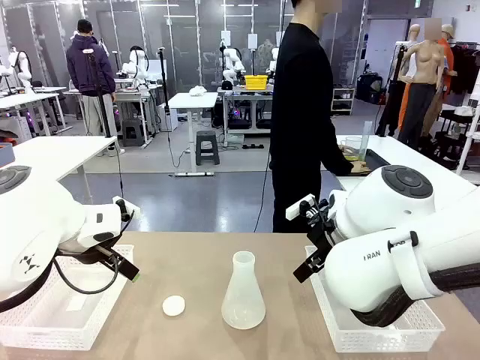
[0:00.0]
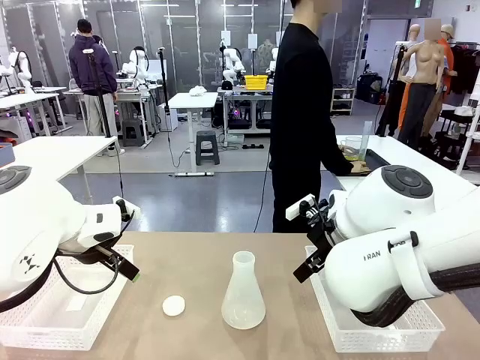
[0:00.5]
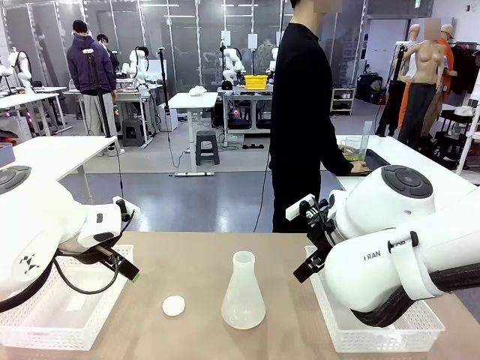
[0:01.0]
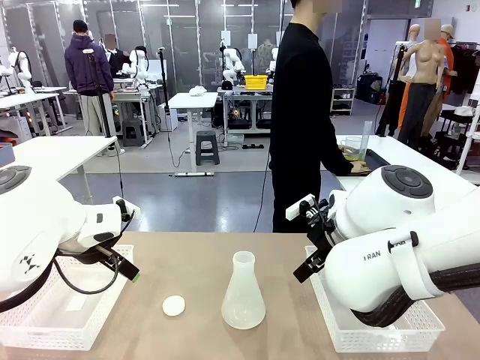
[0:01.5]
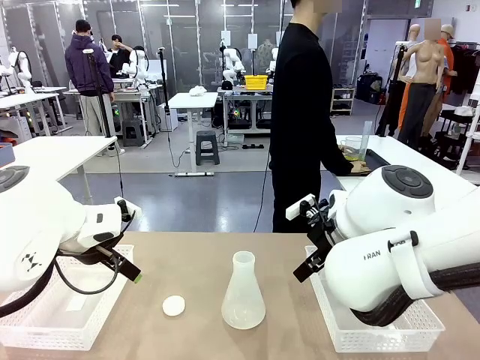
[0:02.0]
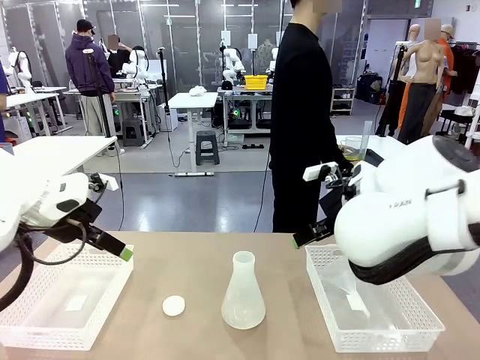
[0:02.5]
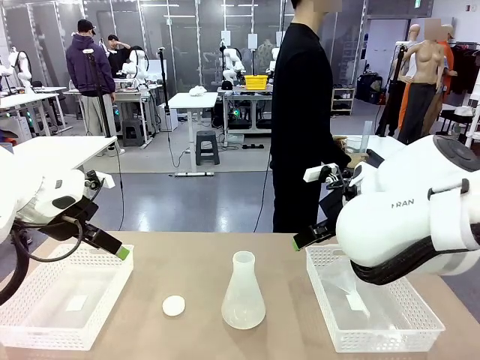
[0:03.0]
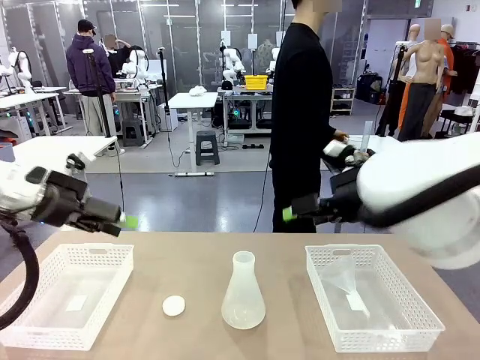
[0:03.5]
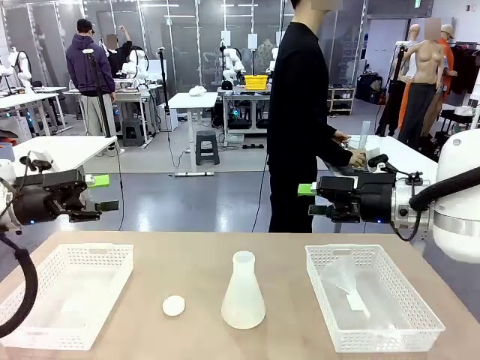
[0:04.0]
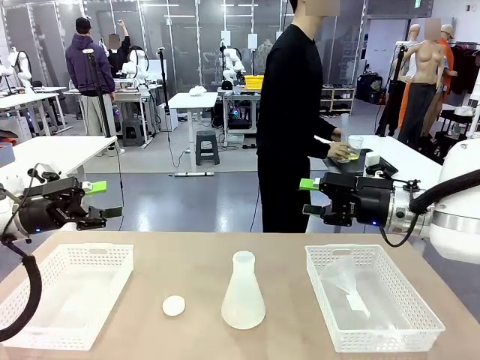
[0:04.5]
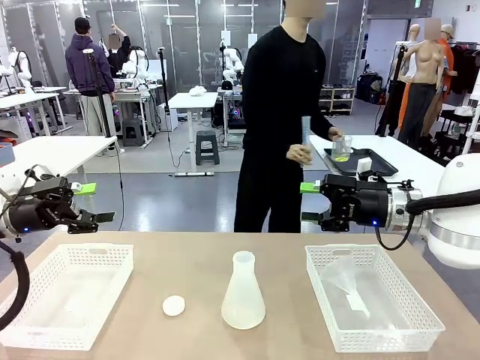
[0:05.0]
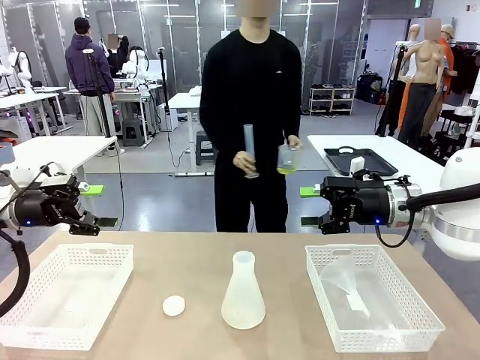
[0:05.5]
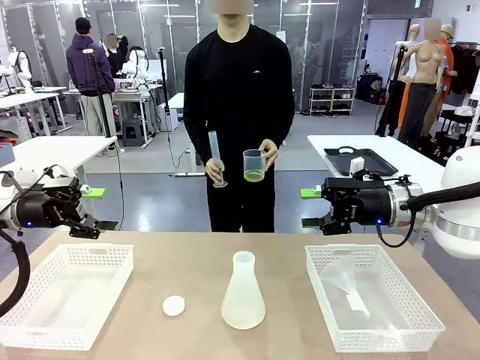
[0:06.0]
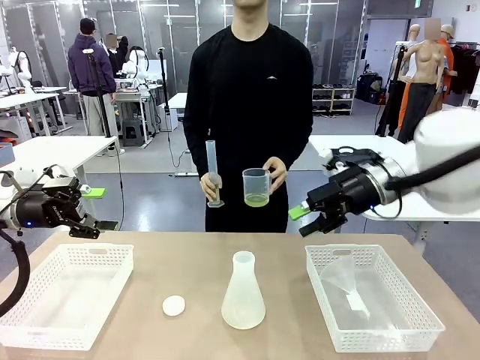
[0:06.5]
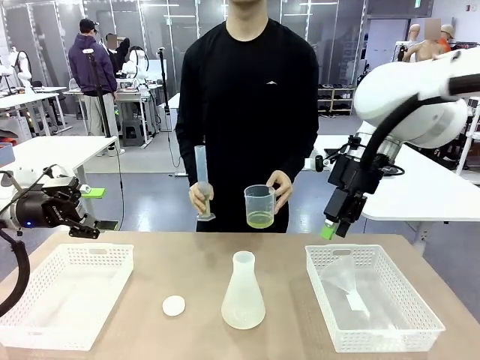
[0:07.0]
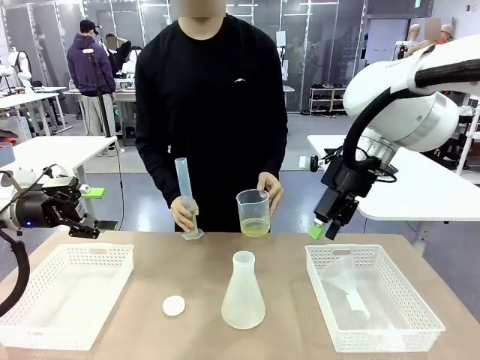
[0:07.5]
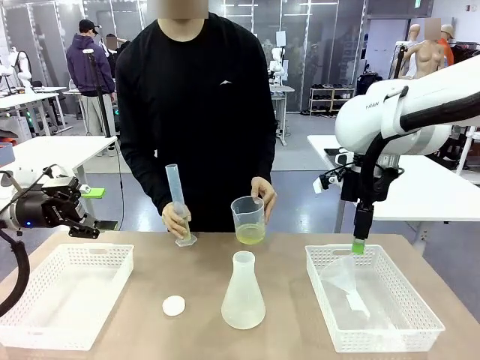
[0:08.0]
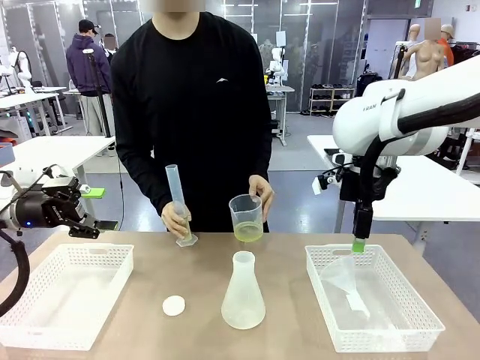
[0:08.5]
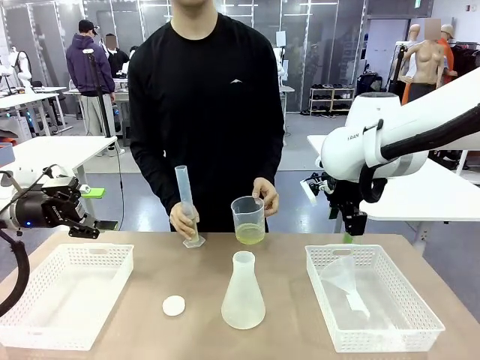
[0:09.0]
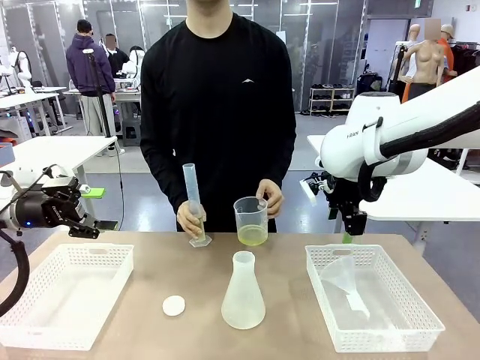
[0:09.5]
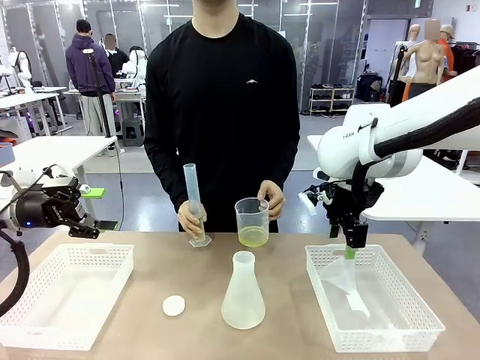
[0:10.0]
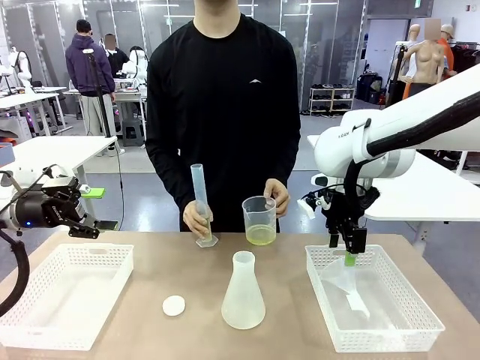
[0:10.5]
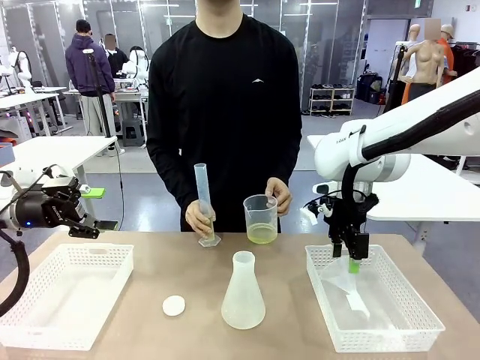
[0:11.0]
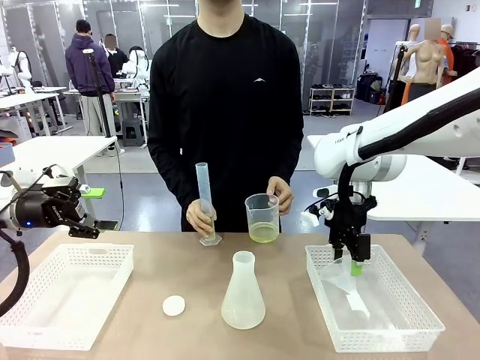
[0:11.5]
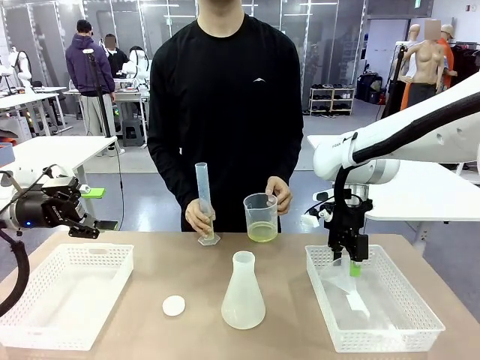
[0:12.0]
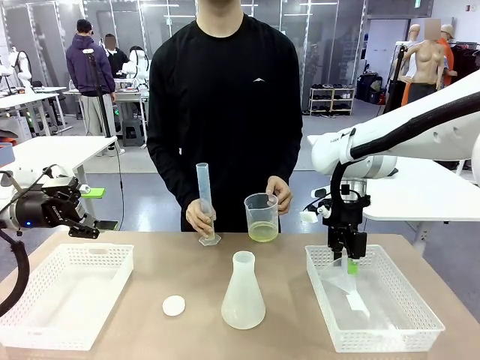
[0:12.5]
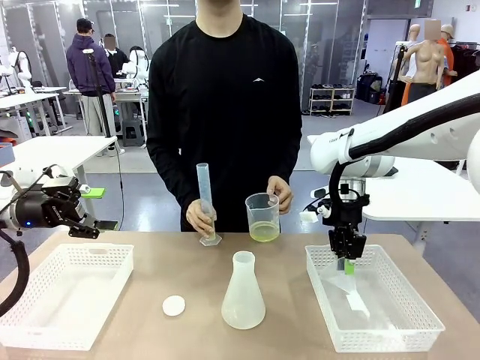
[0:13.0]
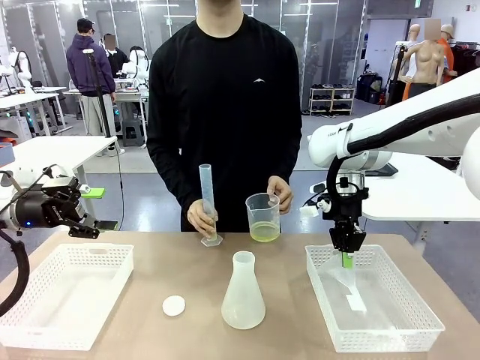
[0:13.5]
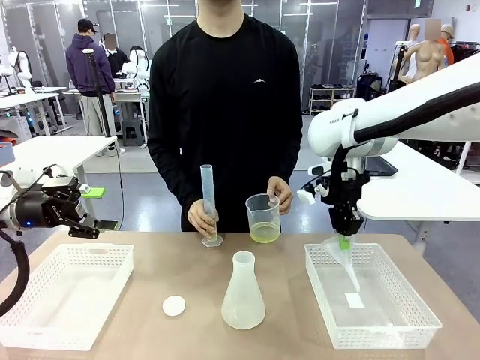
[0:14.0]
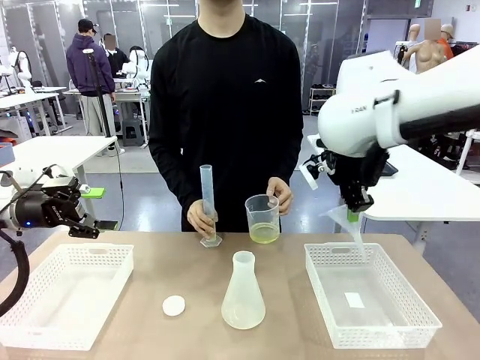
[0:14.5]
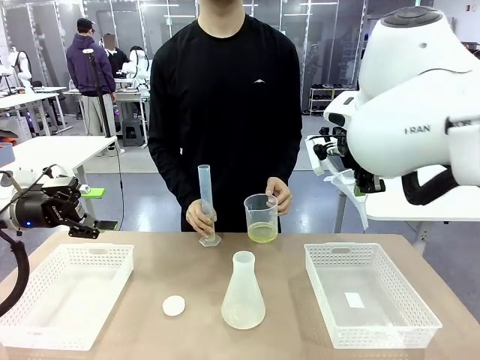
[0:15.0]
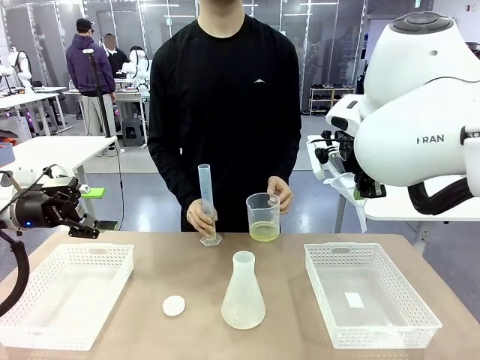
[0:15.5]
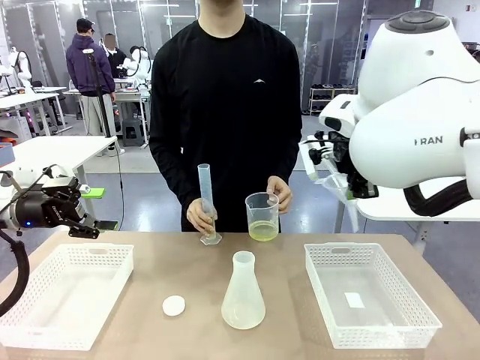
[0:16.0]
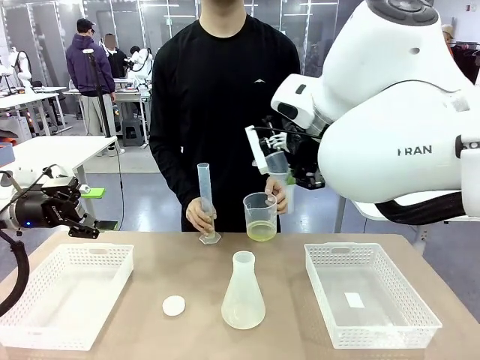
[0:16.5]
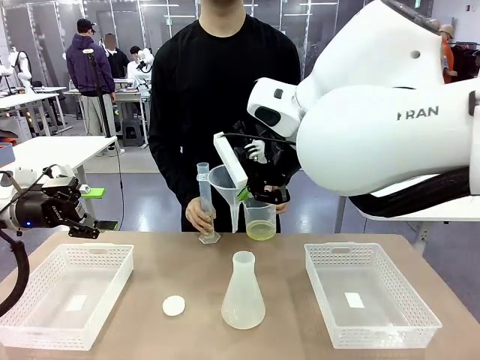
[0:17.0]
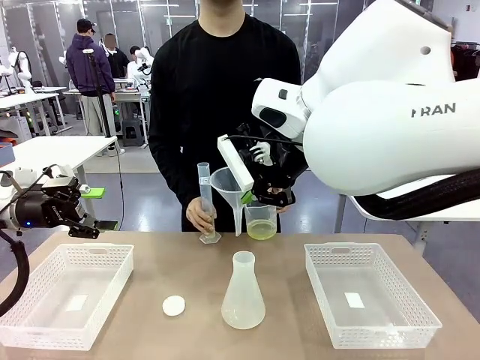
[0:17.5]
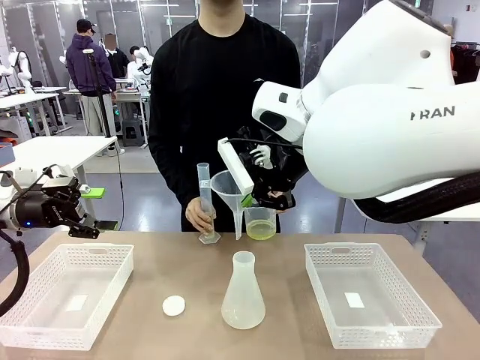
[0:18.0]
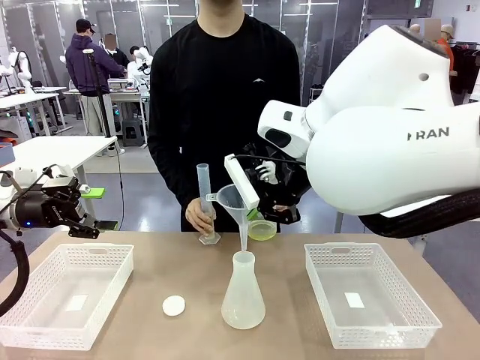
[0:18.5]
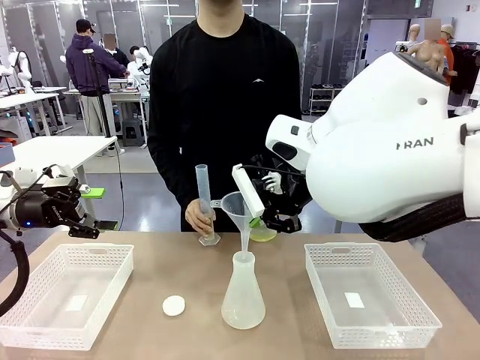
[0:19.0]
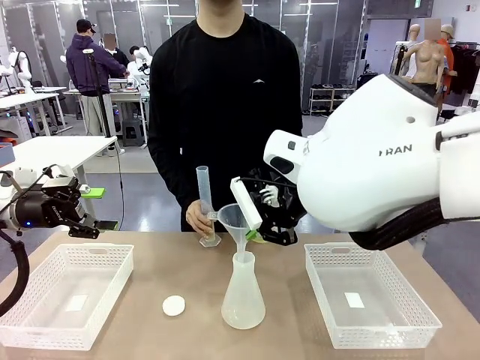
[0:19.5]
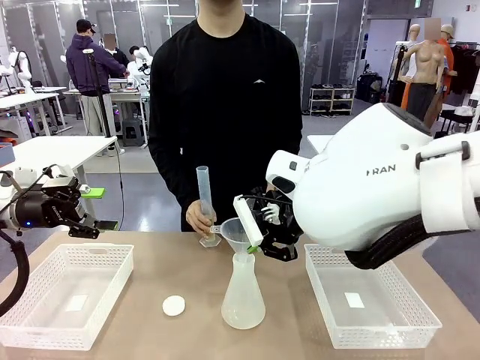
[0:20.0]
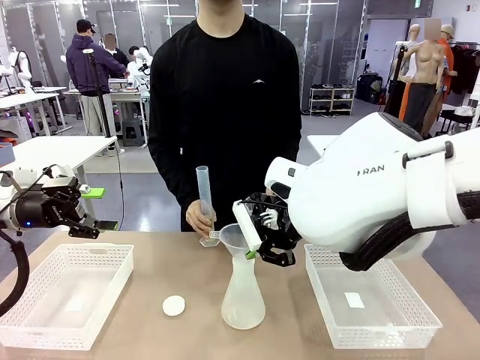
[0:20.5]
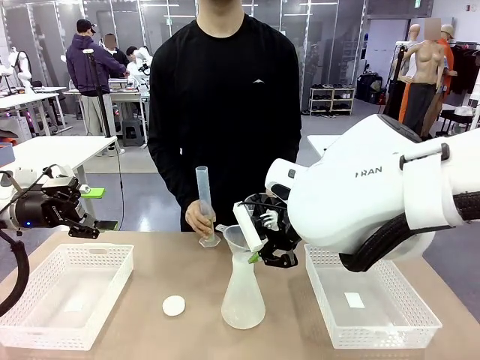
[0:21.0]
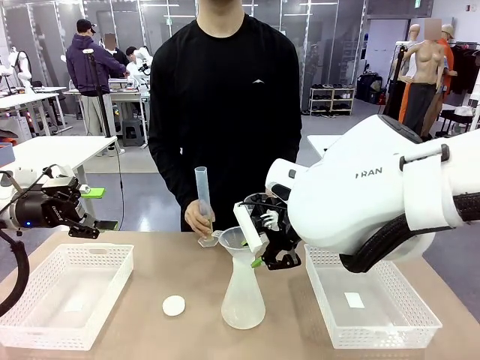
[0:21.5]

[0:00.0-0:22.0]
Task: Prepare the solutions needed for the experiment.
Robot: Pick up the Plastic Funnel and insert it into the Big flask.
Person: Pick up the beaker and the cylinder and move to the middle of the robot table. Pour the solution from the beaker and the cylinder into the flask.
